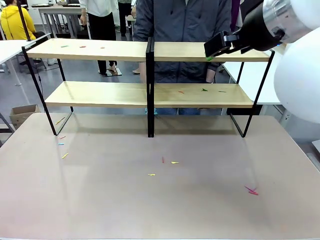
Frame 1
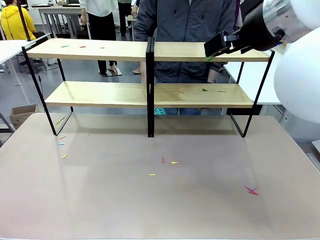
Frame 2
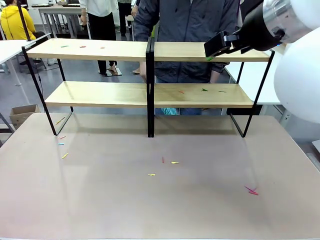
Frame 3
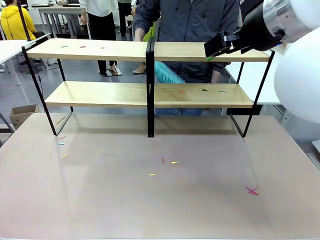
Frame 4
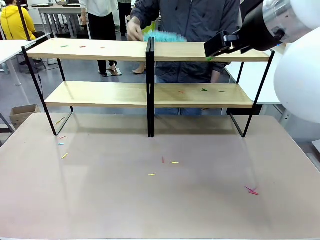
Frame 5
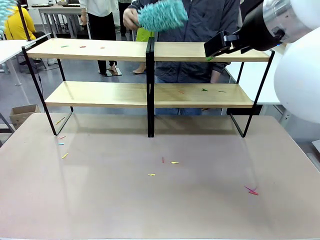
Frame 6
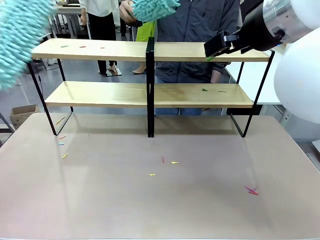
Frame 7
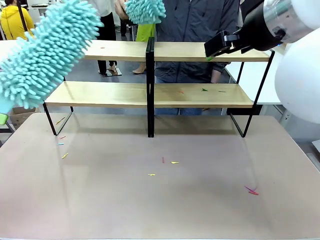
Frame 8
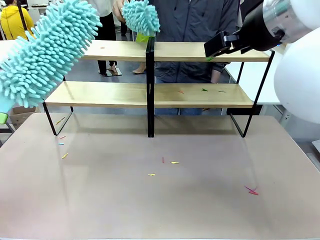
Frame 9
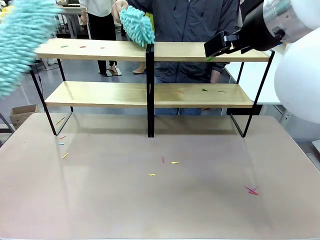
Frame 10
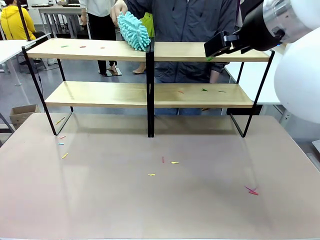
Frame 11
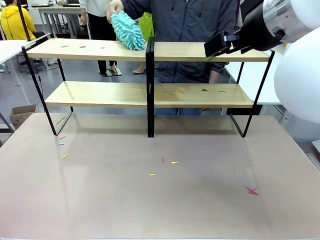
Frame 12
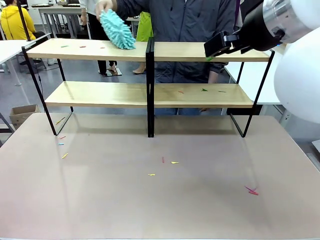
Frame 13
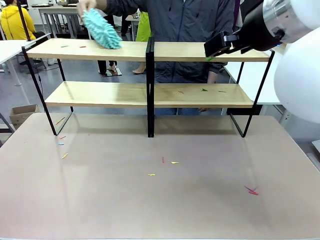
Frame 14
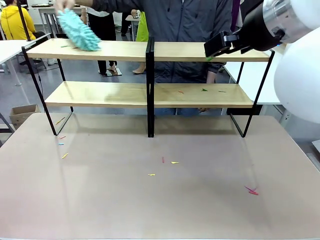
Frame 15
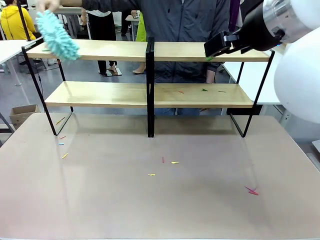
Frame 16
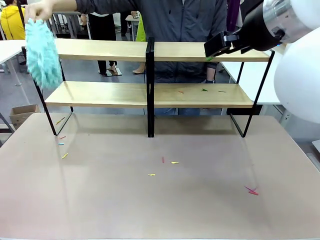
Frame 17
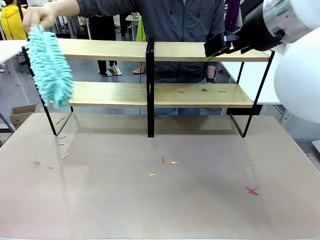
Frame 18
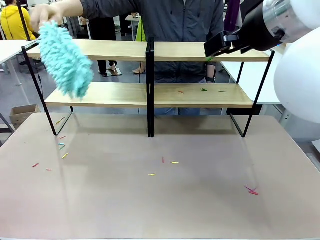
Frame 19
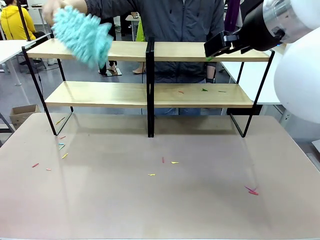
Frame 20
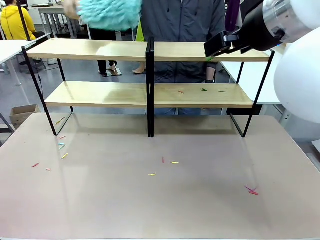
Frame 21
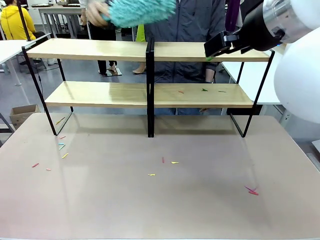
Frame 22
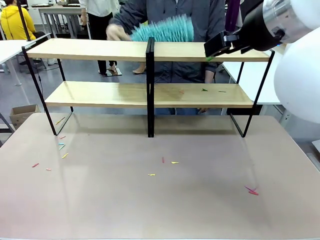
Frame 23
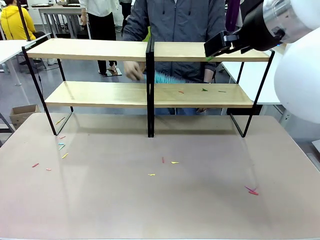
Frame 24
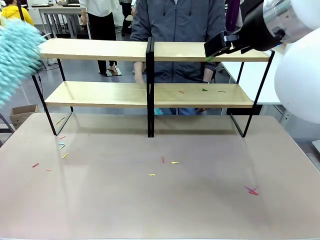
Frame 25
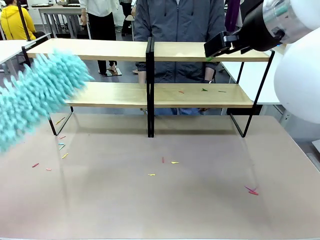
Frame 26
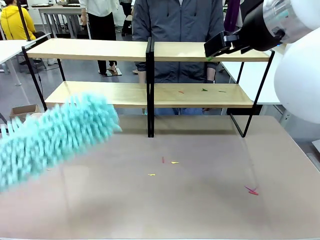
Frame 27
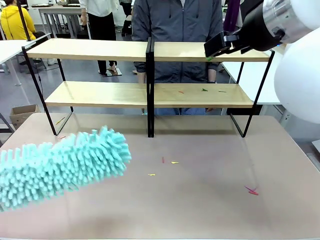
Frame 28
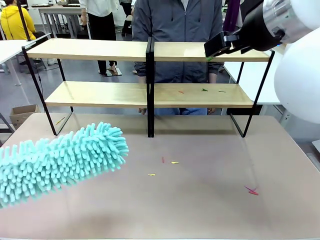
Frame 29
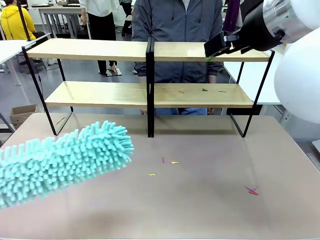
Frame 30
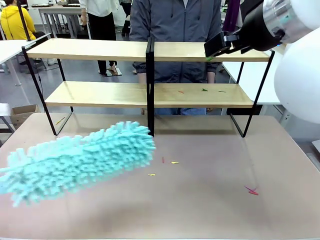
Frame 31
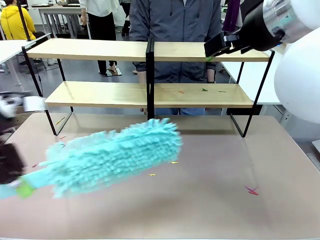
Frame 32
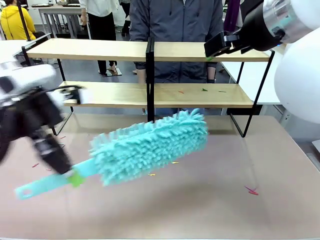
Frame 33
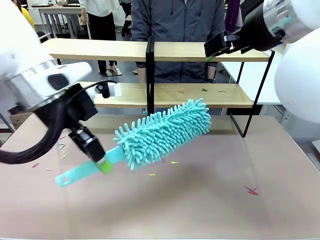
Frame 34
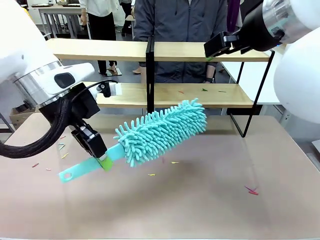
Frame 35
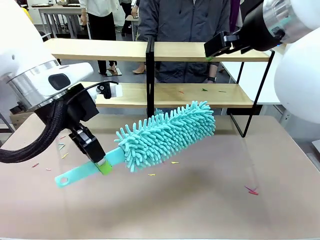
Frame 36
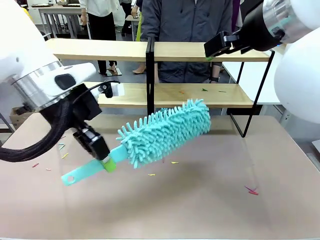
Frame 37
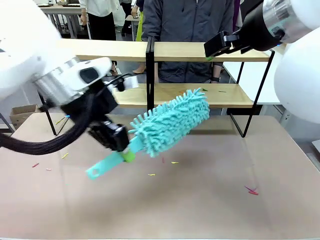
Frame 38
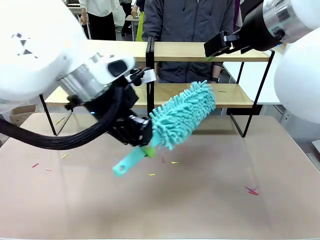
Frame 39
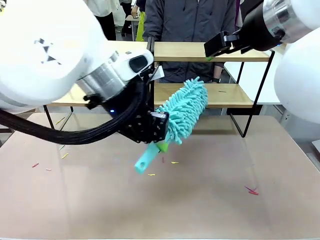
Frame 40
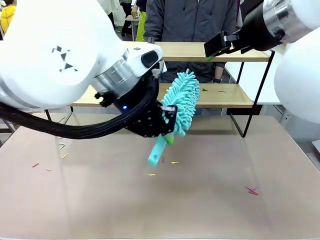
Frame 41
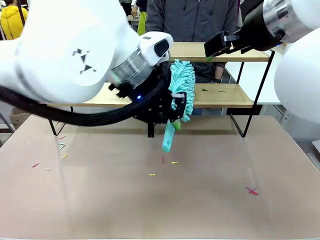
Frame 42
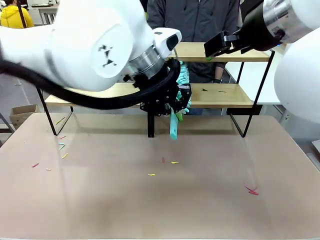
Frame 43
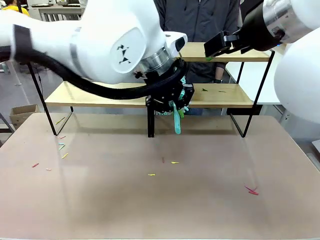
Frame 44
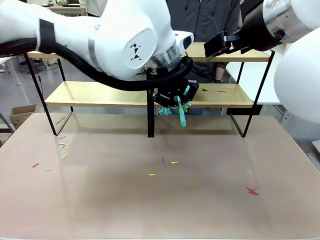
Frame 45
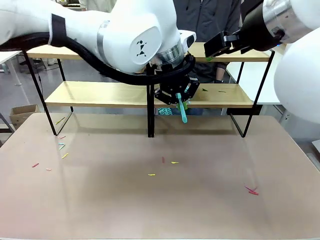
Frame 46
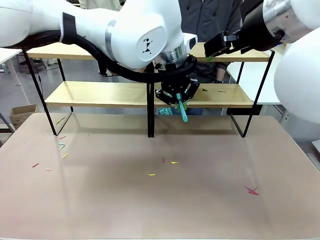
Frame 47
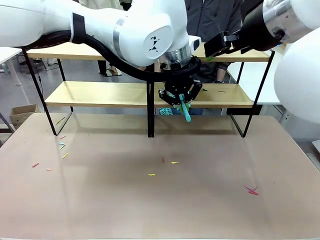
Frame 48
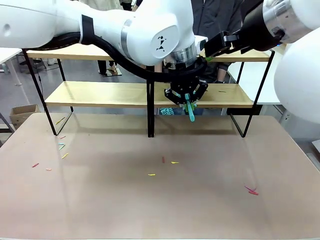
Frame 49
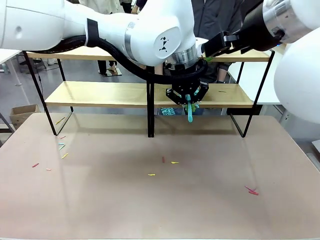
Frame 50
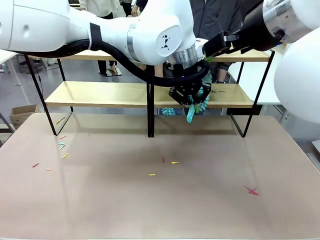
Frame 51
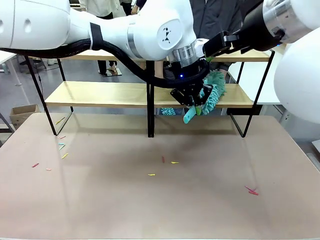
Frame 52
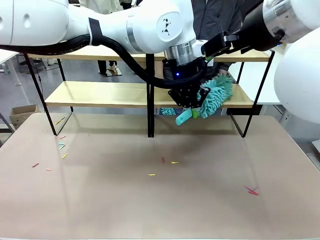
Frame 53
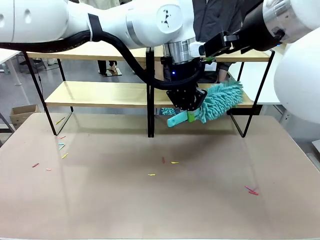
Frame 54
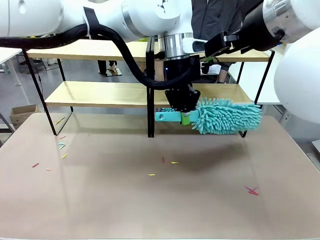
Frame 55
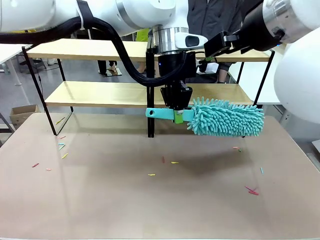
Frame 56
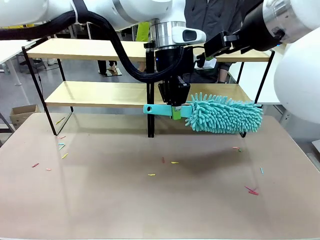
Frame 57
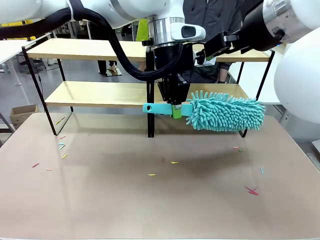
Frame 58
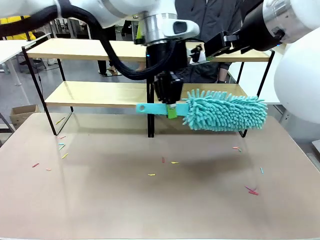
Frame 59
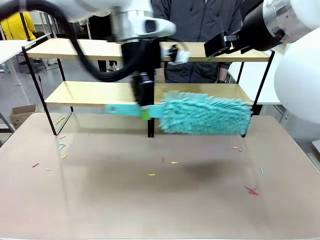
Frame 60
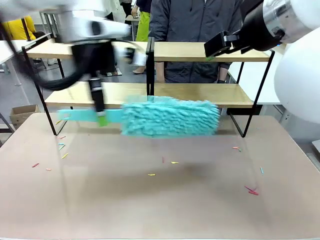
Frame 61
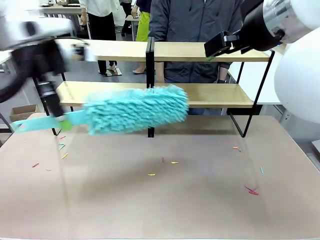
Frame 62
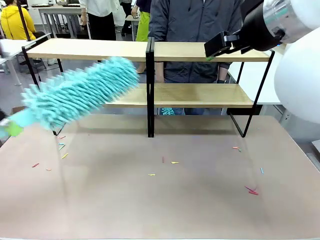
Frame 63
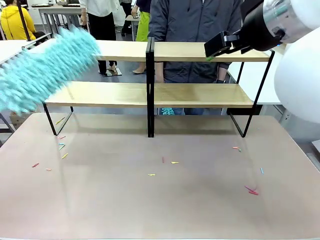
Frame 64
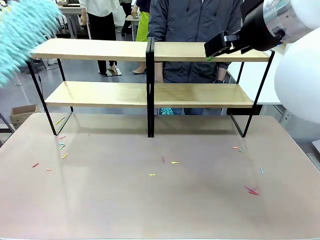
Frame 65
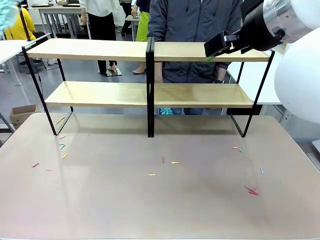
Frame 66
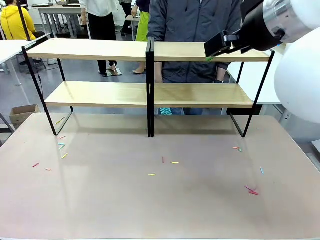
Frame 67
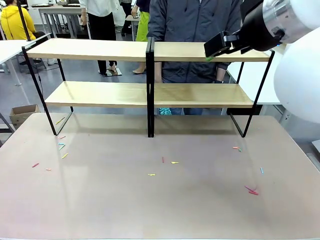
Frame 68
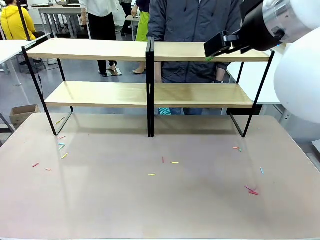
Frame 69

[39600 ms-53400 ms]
Task: Clean the shelves.
Robot: Clean another randomly selected level of the Shelf with the Duster.

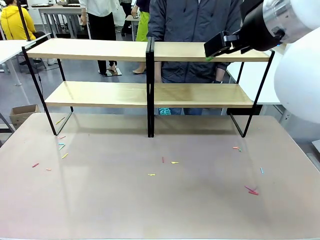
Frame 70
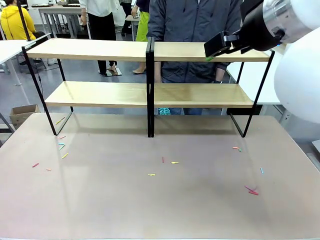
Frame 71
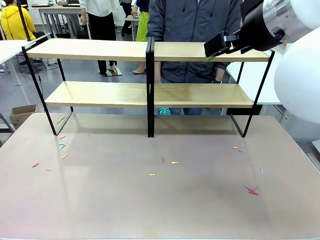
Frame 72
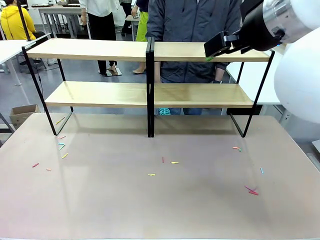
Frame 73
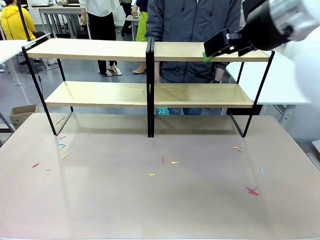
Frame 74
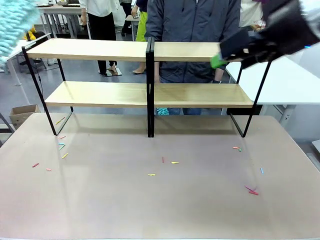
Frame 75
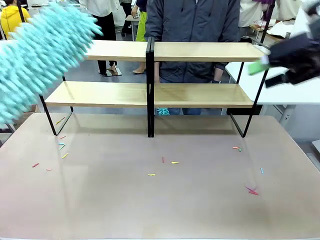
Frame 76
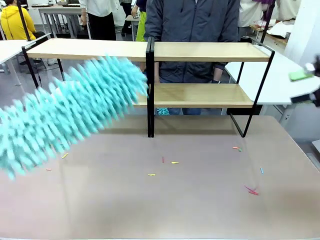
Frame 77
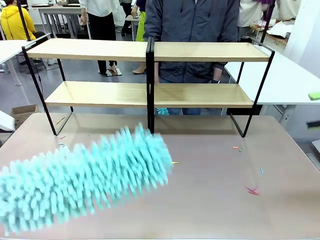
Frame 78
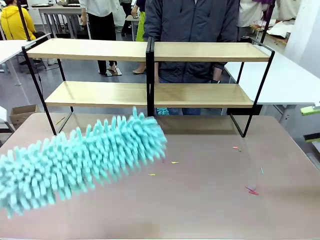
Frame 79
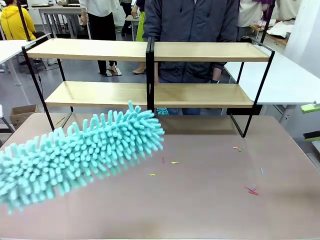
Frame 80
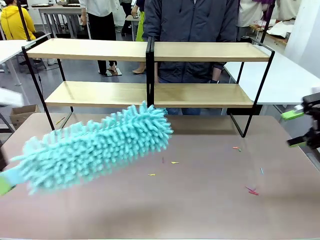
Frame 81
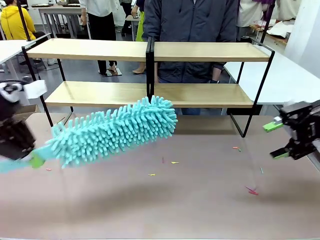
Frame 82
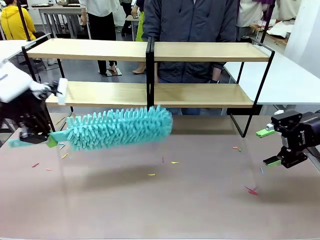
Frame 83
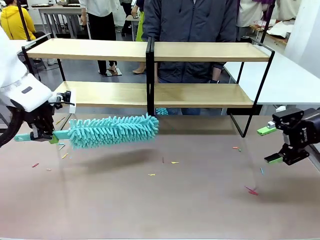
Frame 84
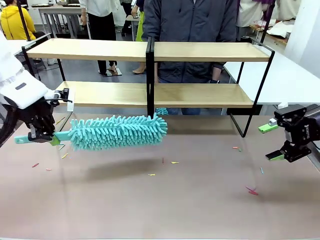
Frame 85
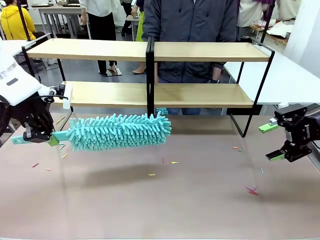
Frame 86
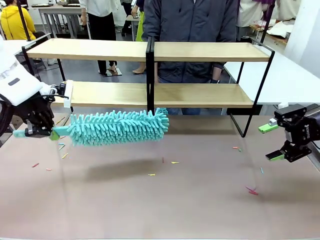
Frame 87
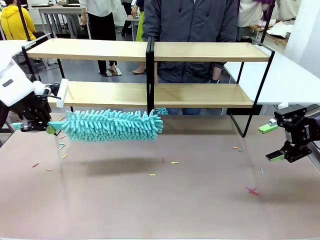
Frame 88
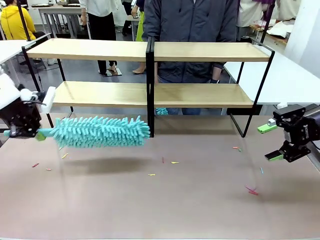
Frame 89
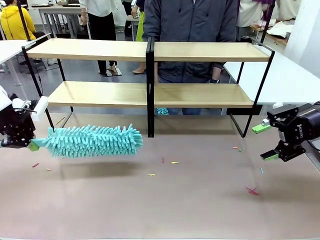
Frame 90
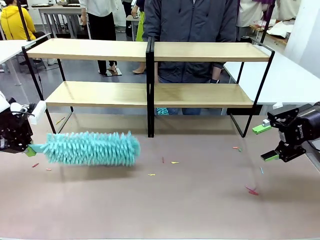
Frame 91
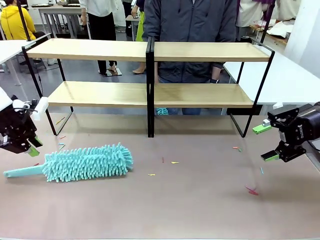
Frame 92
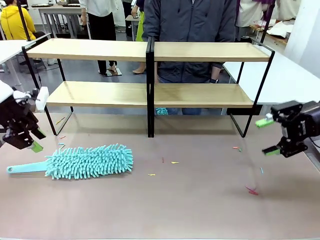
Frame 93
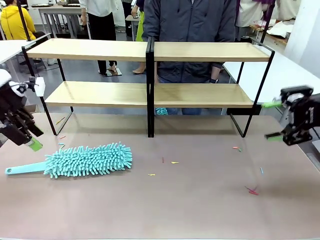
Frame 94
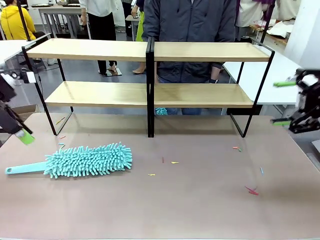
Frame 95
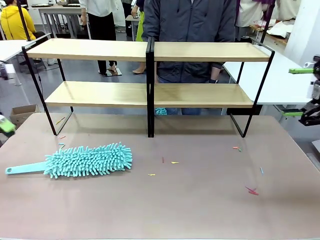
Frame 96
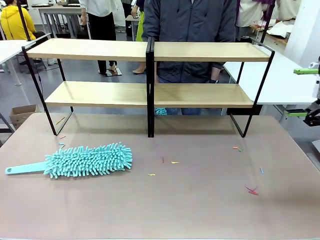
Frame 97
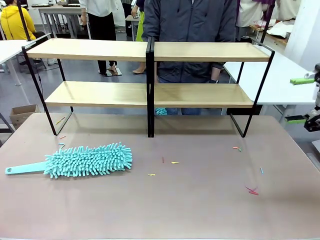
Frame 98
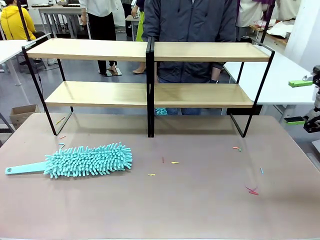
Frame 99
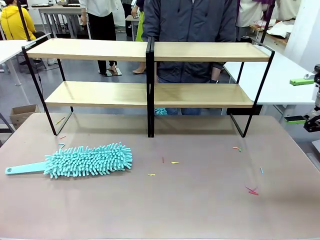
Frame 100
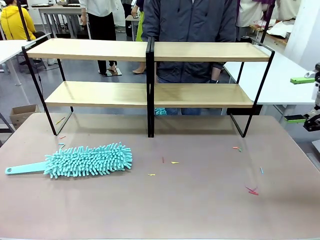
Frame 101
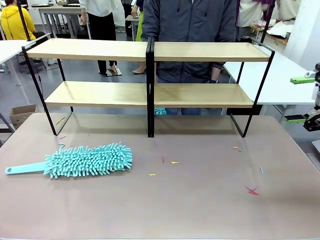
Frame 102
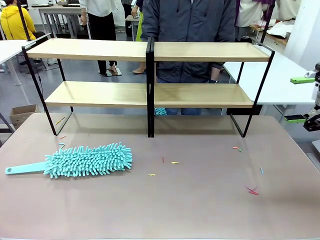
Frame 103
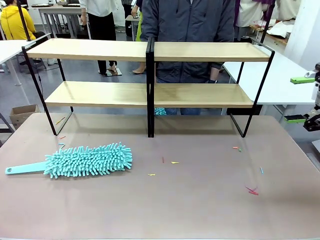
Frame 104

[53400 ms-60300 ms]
Robot: Place the Duster on the table.
